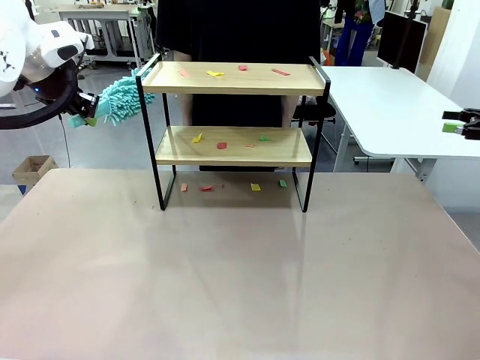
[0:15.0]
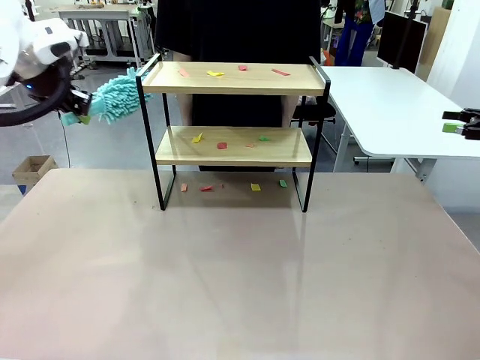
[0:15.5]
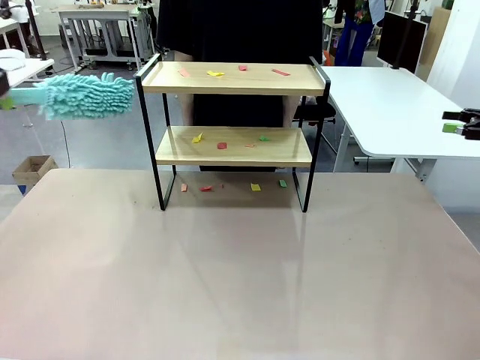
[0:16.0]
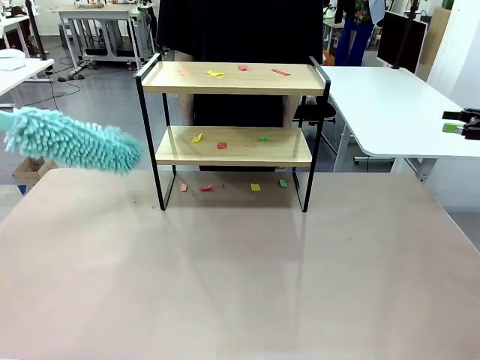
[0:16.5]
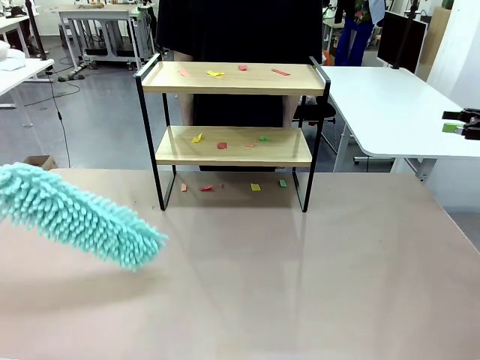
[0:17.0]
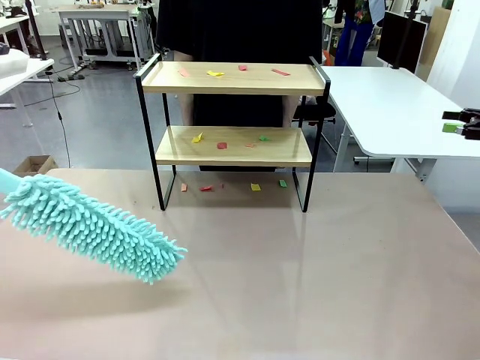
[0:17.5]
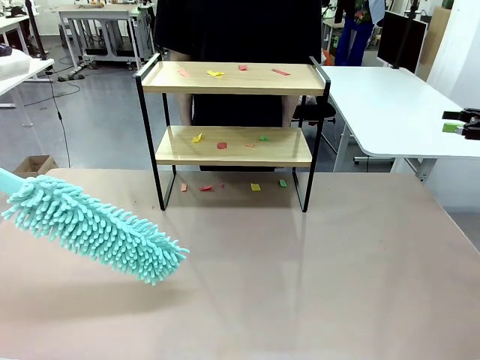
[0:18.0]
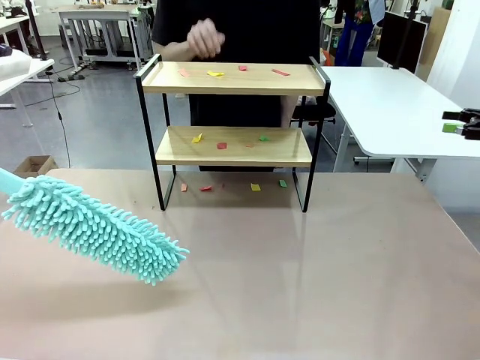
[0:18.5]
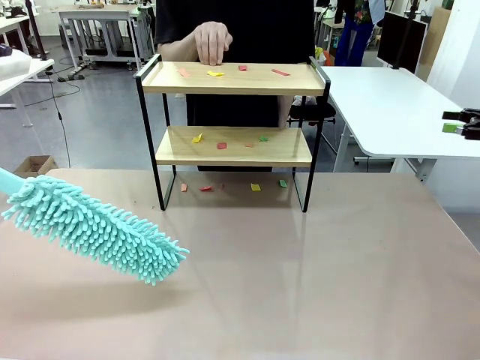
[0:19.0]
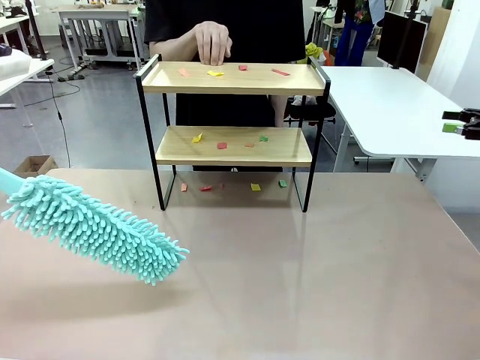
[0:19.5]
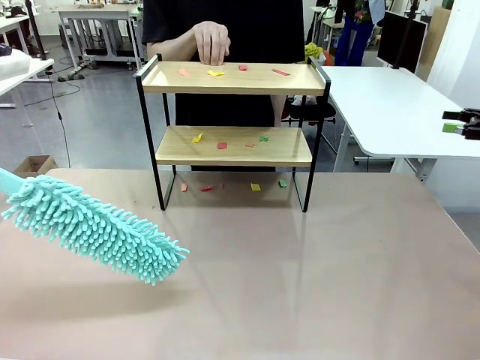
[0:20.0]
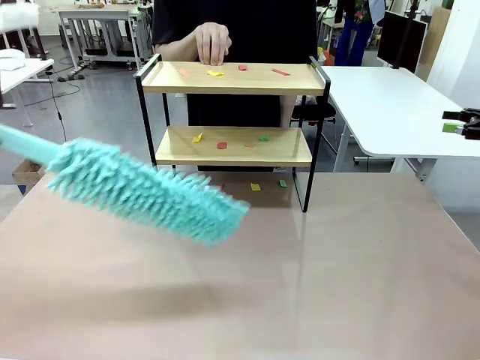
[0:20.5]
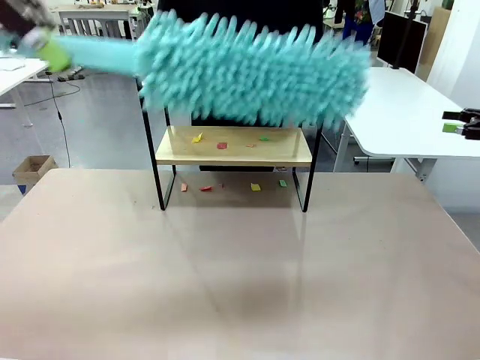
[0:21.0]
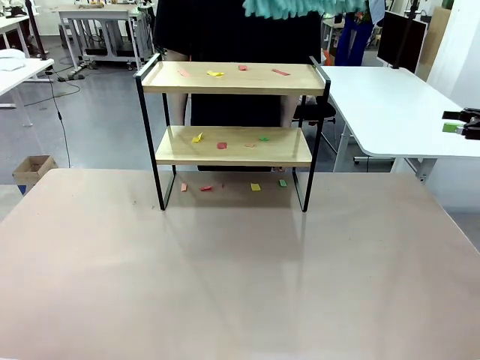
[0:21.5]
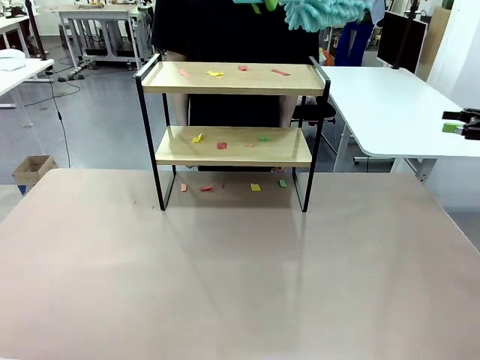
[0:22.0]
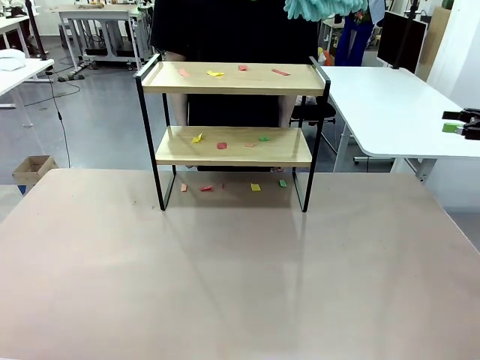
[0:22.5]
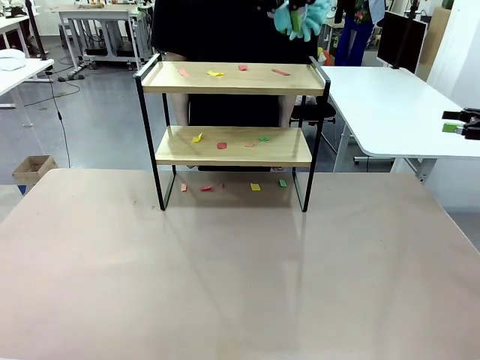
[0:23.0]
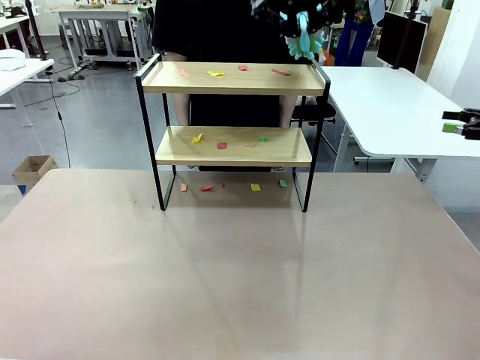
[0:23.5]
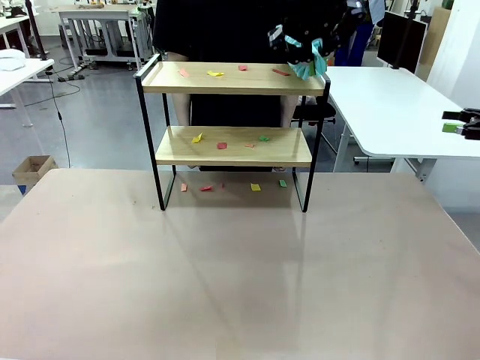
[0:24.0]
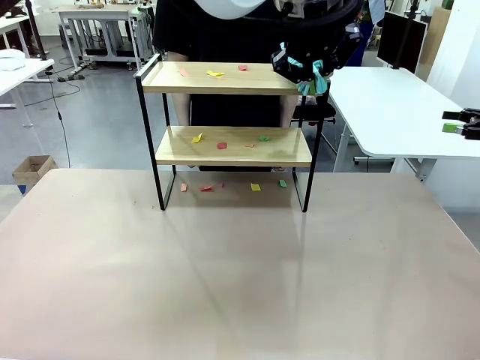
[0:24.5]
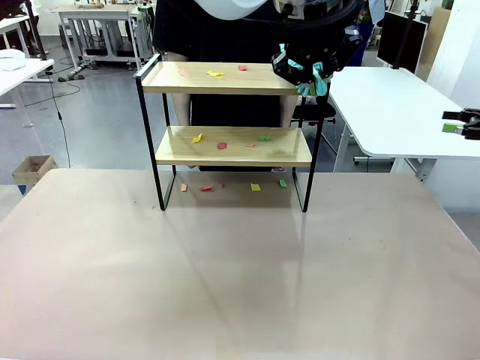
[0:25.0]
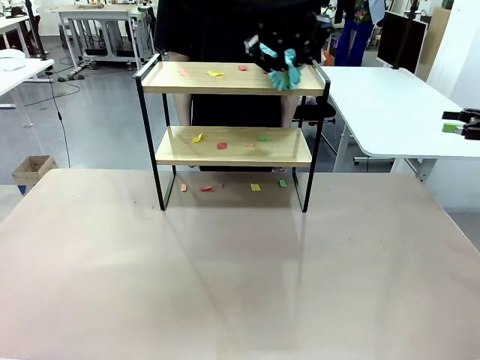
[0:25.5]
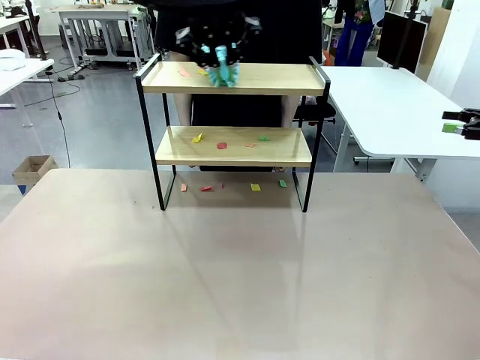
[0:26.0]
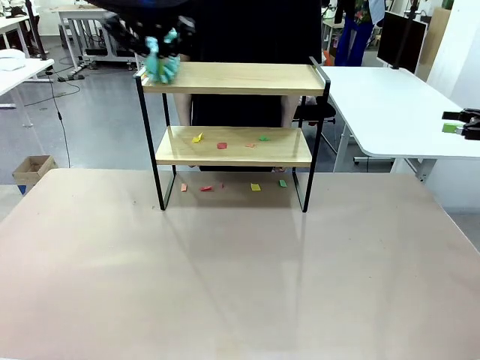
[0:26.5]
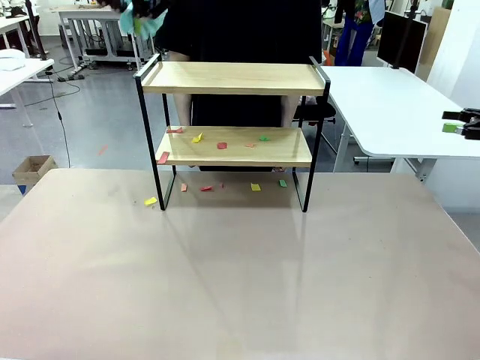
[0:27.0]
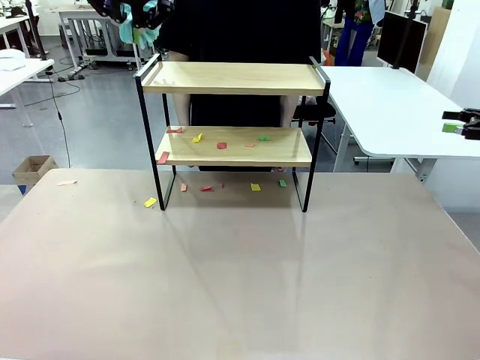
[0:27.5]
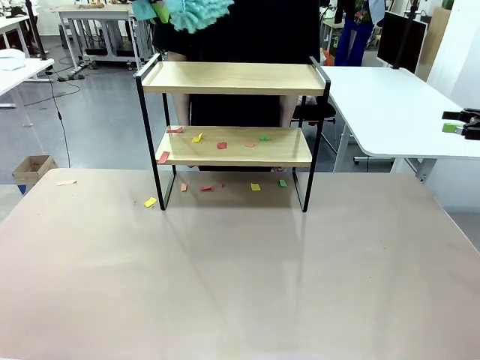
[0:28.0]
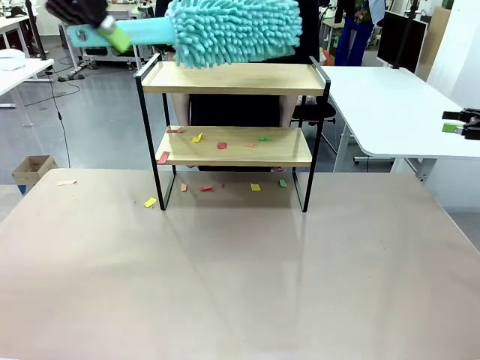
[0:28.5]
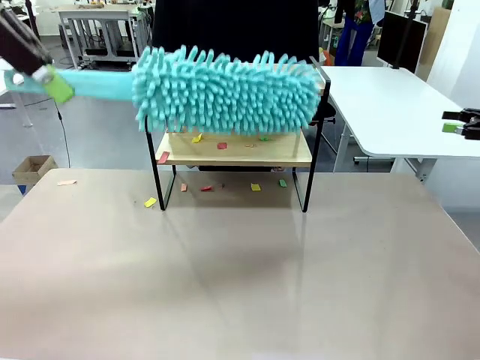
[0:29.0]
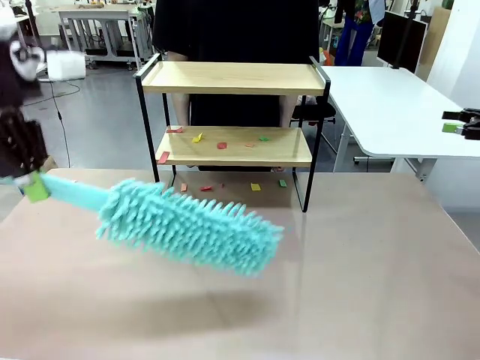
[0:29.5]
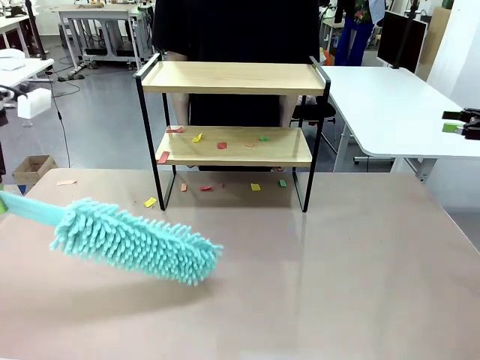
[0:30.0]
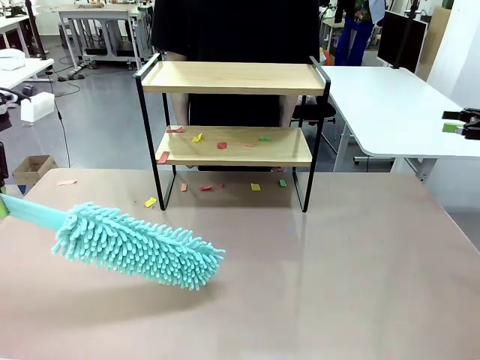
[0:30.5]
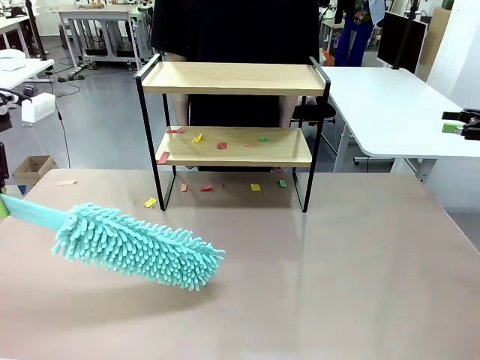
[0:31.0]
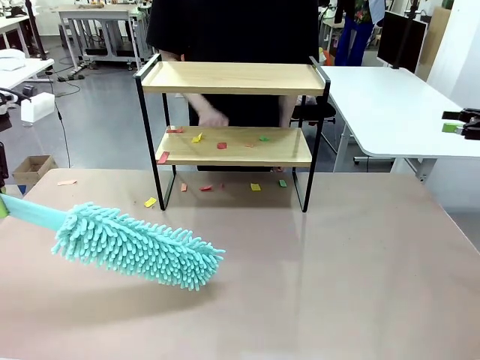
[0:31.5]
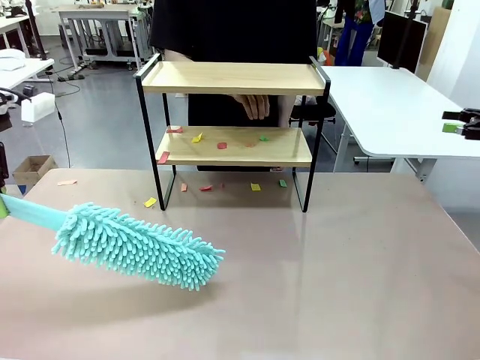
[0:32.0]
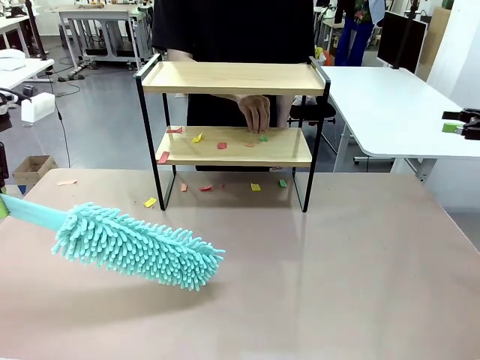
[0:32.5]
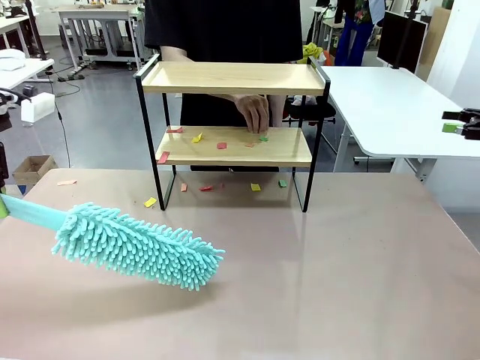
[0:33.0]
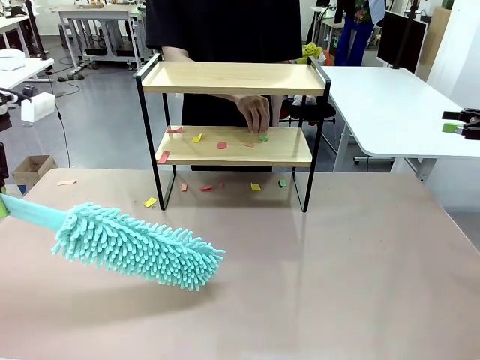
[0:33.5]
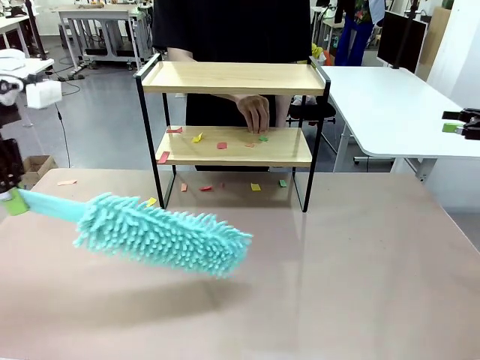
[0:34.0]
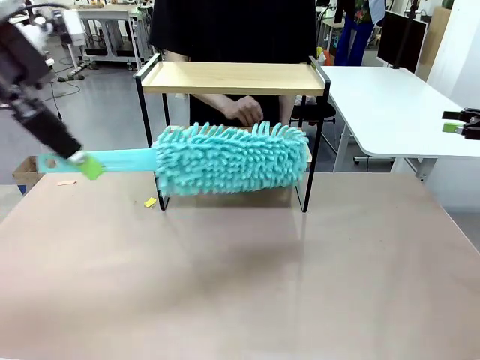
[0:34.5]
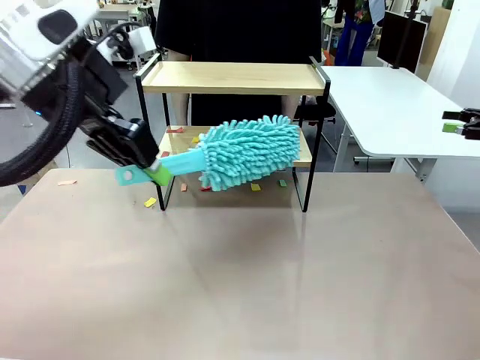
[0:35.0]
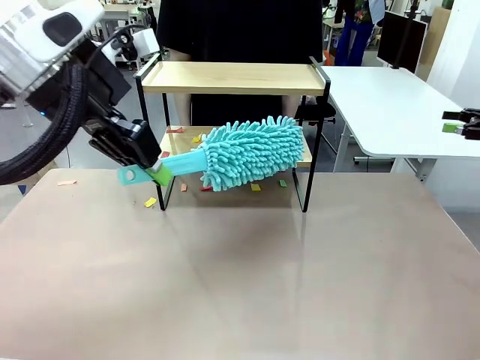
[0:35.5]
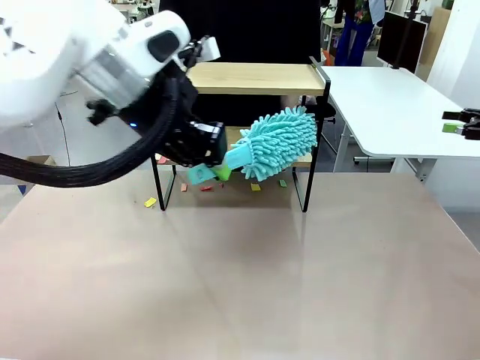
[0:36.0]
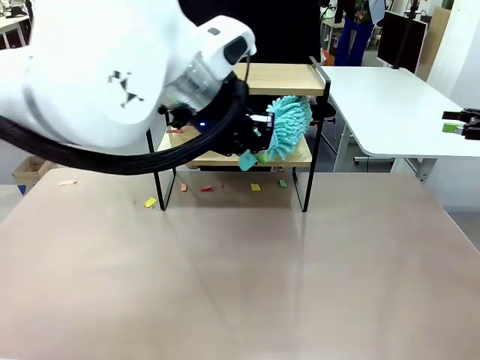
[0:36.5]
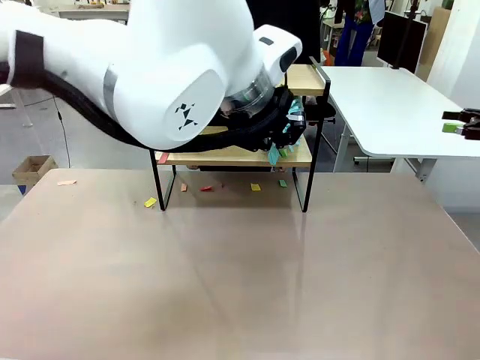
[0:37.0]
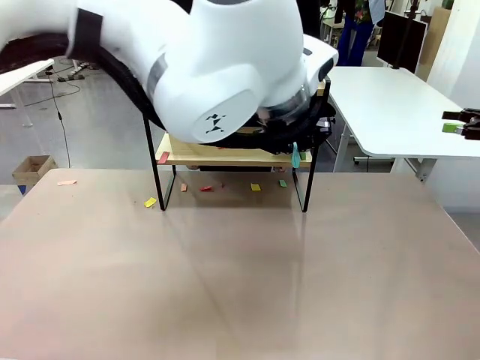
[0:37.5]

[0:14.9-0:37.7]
Task: Clean the shelf.
Robot: Clean the specific section of the Shelf indicated by the human with the Duster.
Person: Point a random section of the Shelf.
